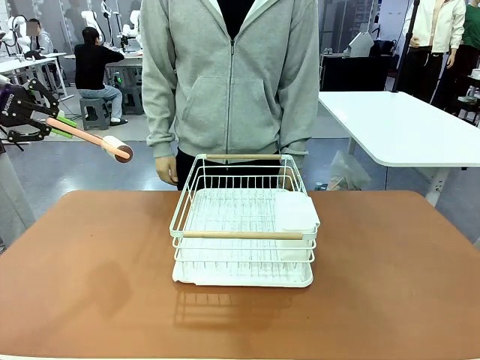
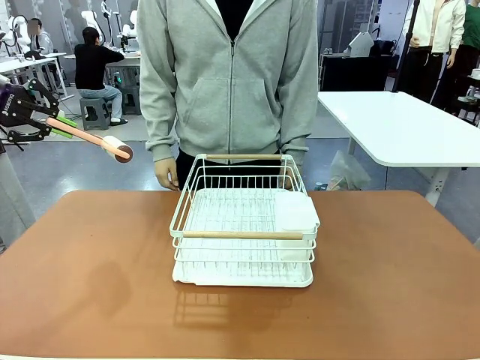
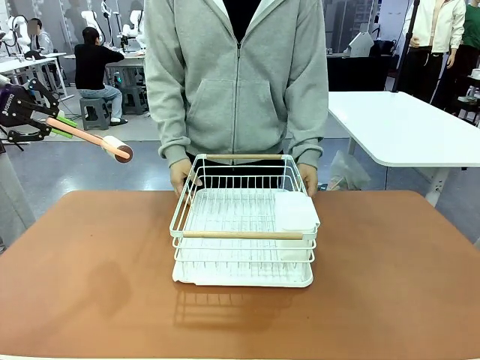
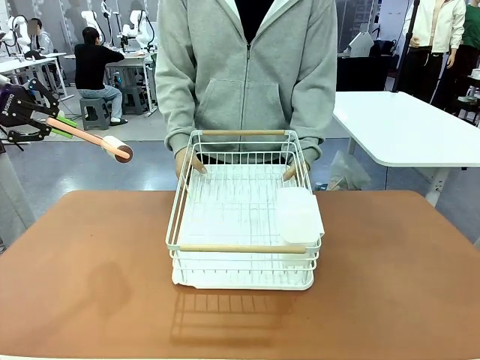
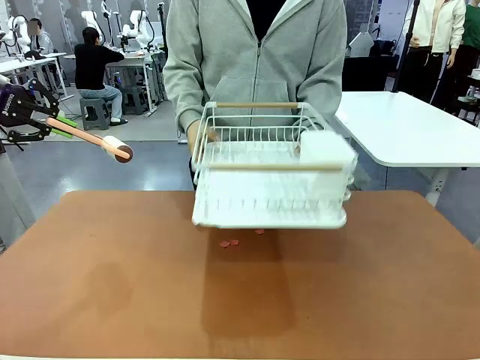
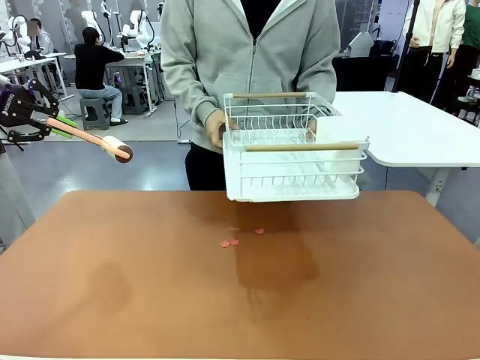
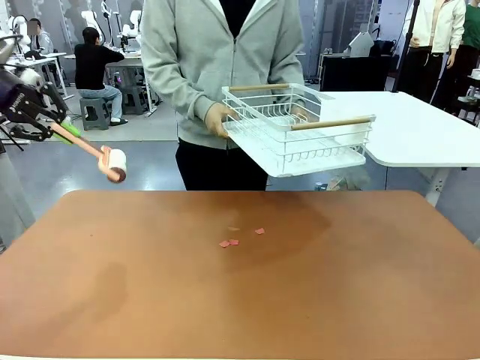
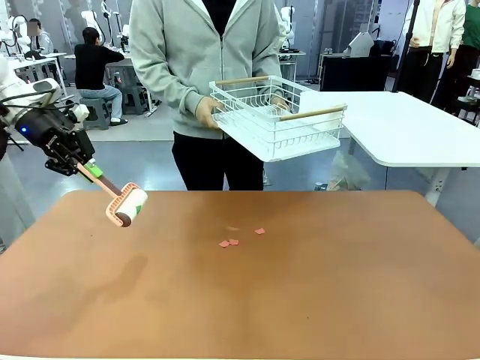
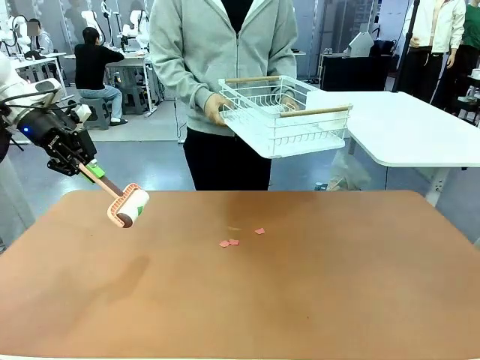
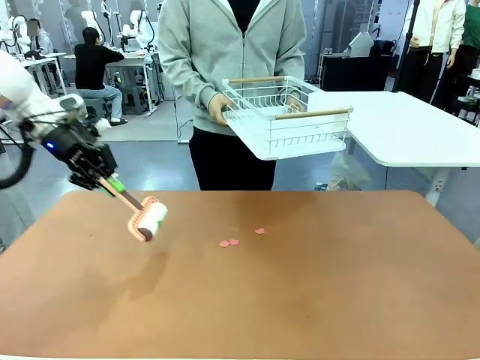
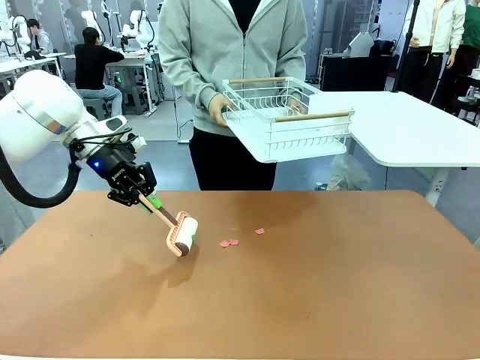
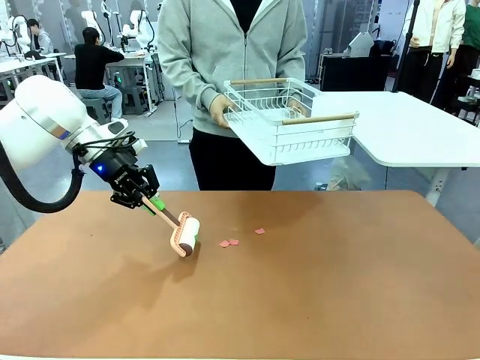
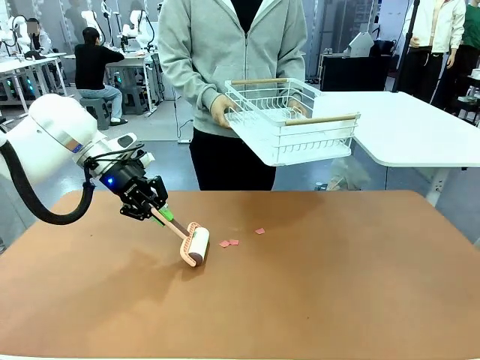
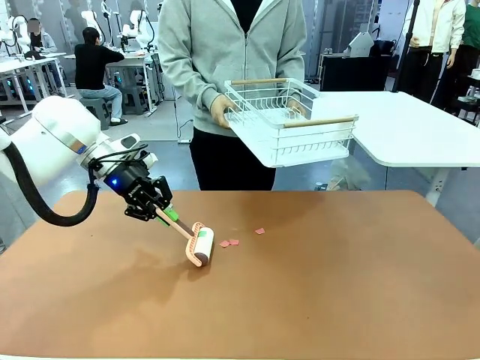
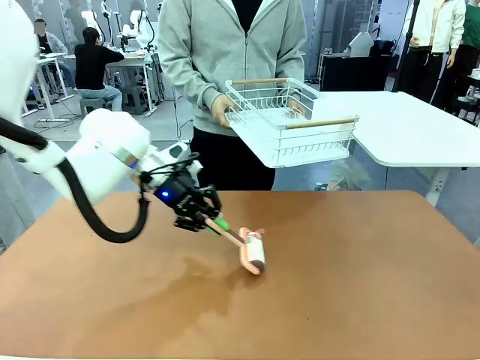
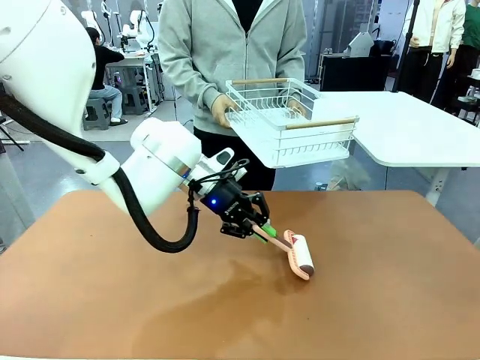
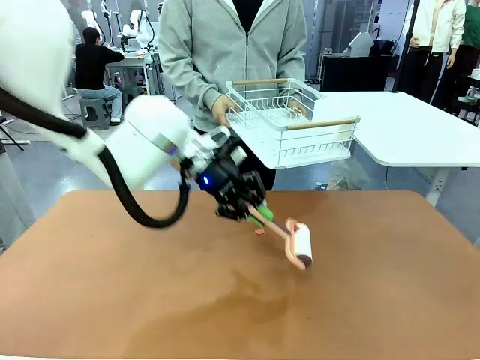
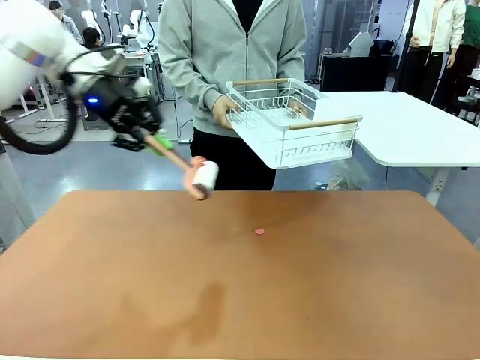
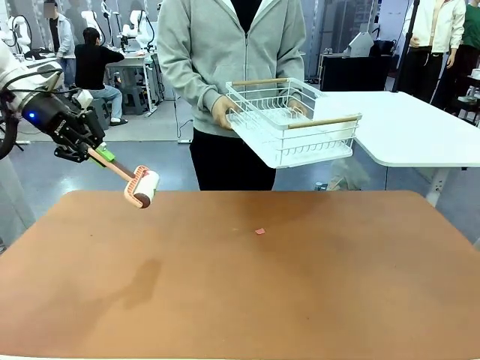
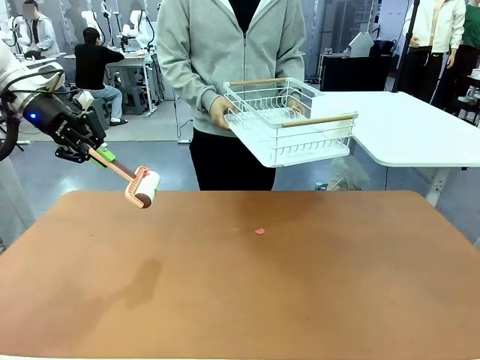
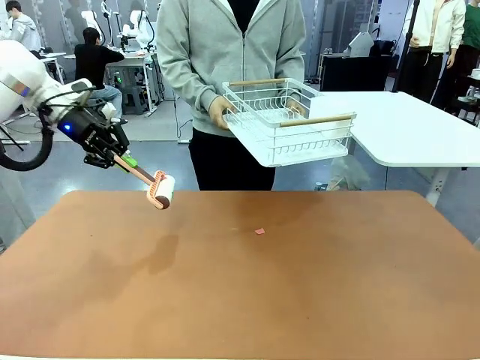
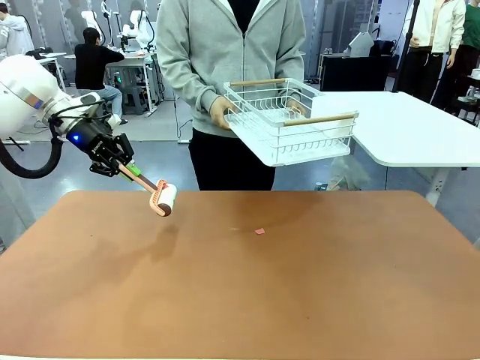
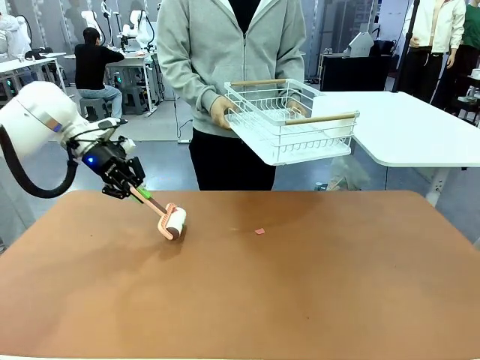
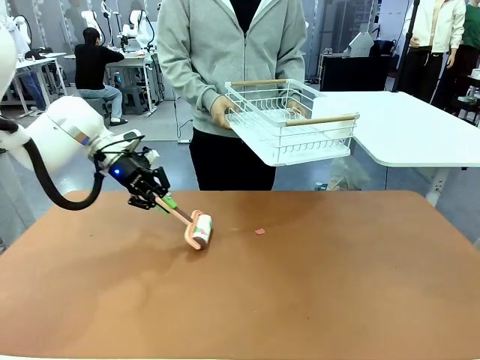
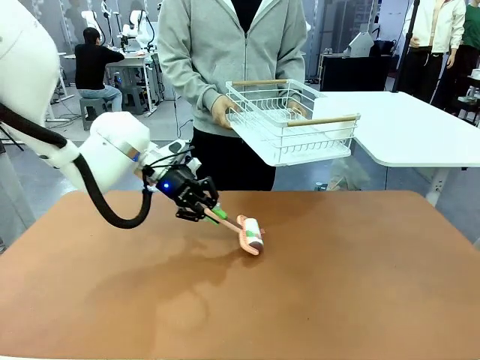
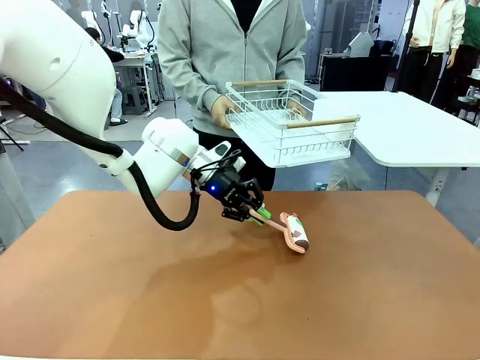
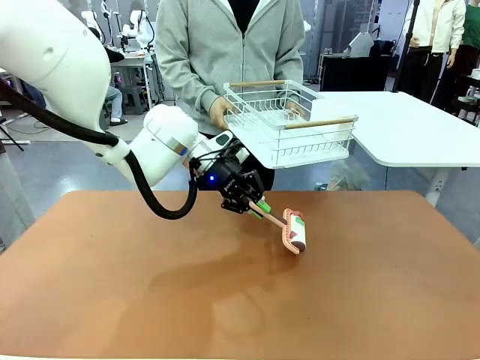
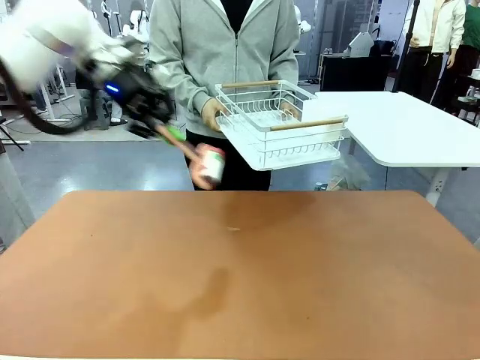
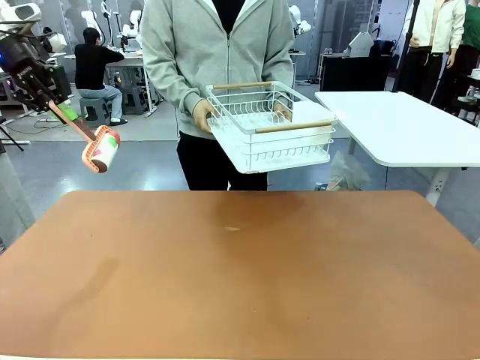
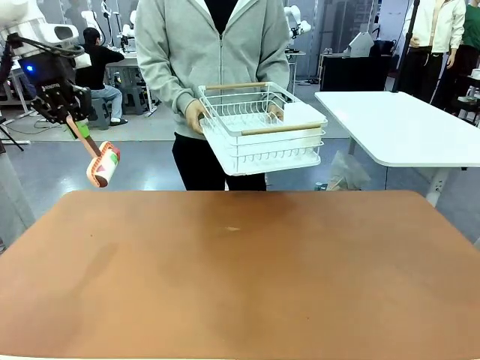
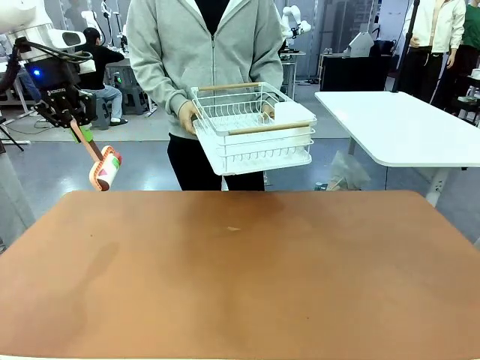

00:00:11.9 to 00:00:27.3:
Task: Clean the table.
Robot: Clean the table with the Lint Roller when the human lifts the Dish drying rack.
Person: Place the Dish drying rack down when the robot finishes cleaning.

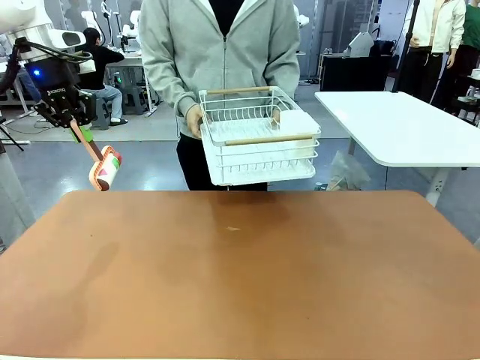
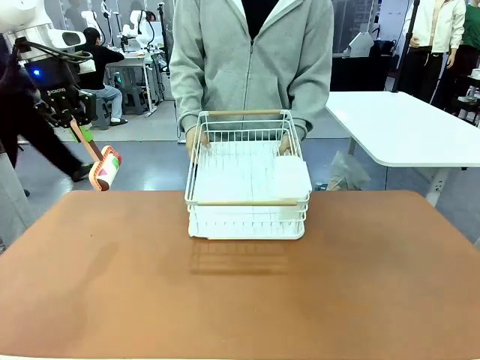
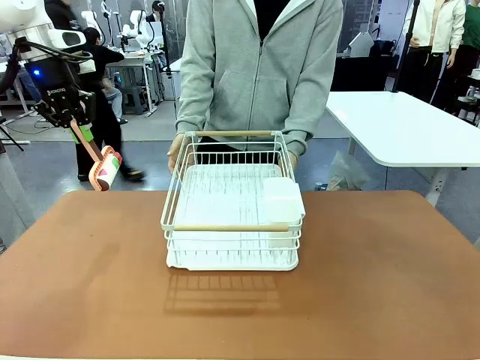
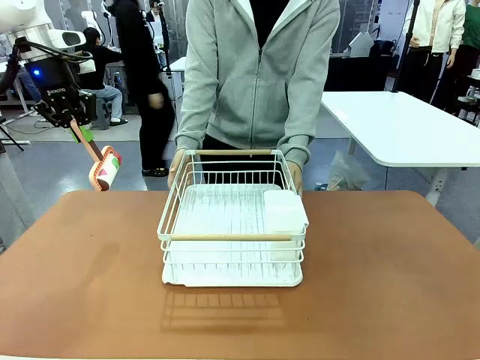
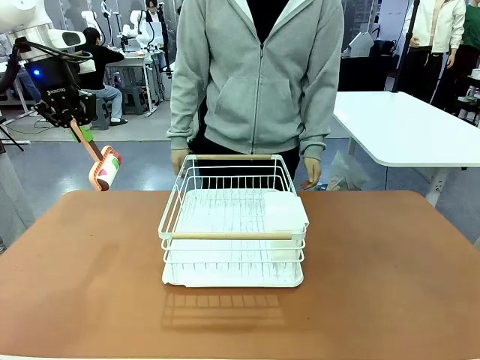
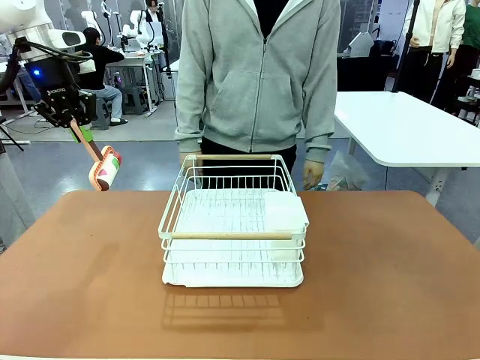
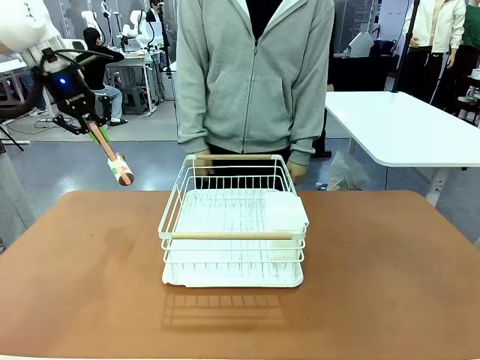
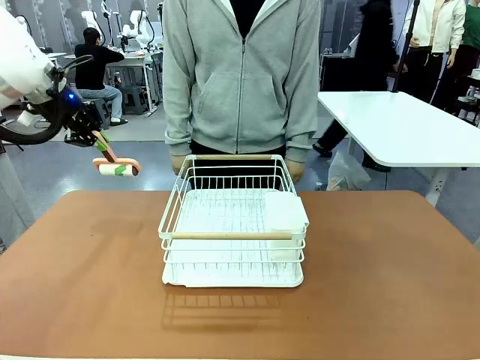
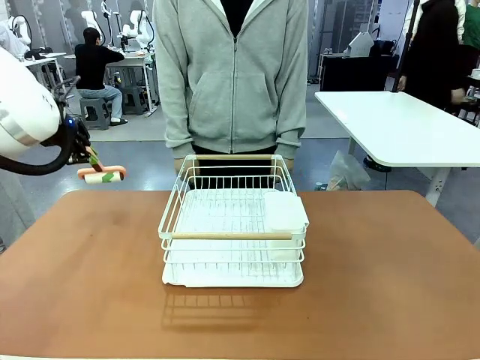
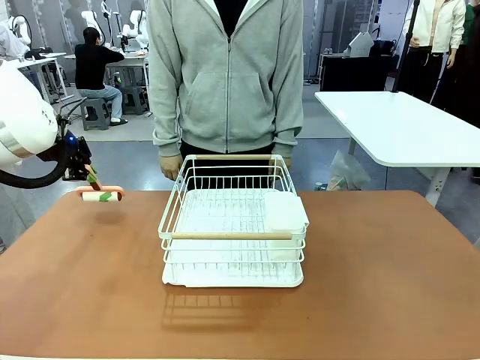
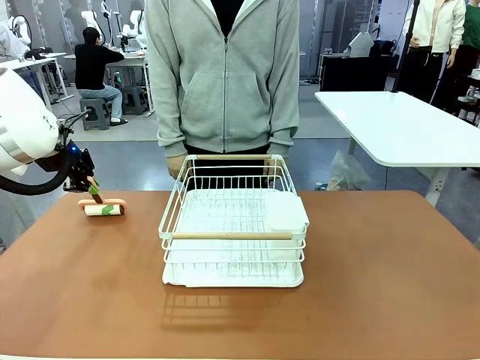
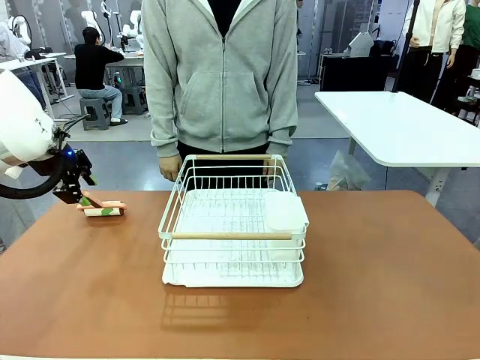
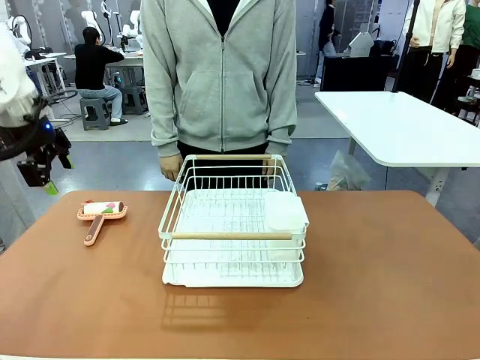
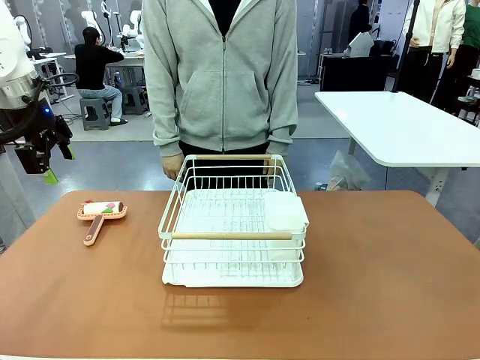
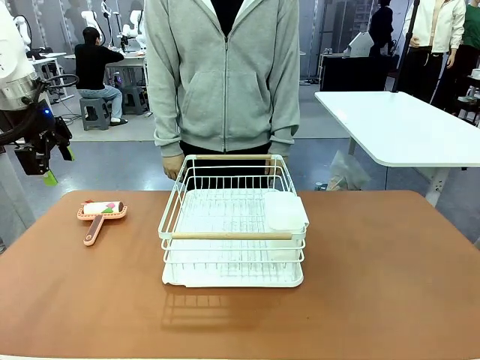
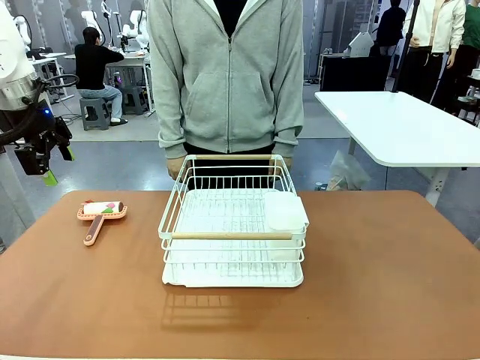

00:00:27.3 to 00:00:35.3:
Robot: Place the Lint Roller down when the Dish drying rack is positioned in the middle of the table.
